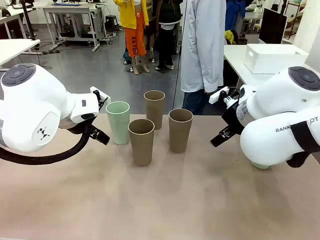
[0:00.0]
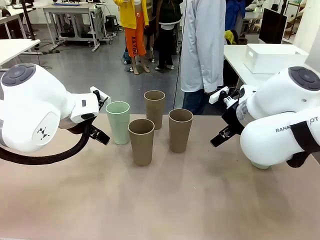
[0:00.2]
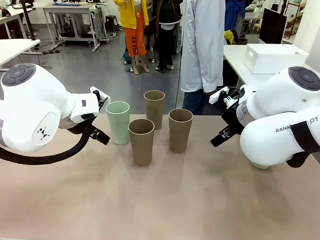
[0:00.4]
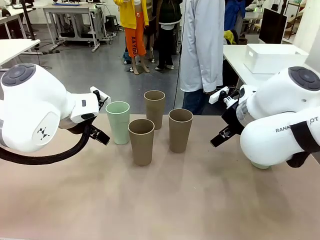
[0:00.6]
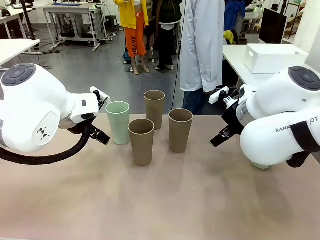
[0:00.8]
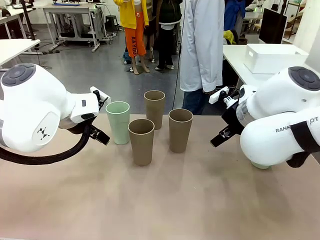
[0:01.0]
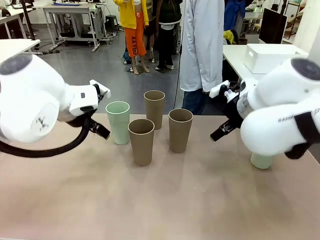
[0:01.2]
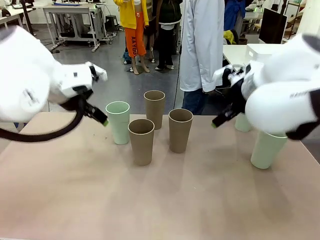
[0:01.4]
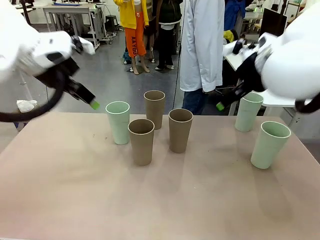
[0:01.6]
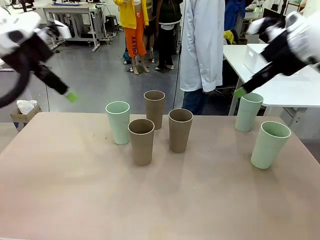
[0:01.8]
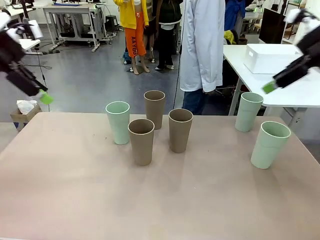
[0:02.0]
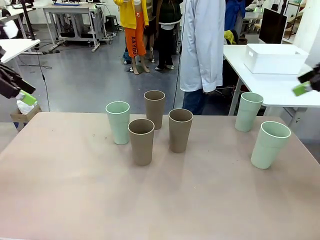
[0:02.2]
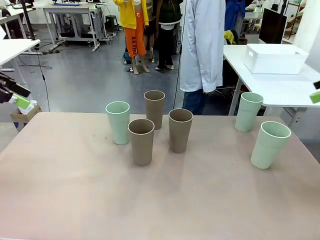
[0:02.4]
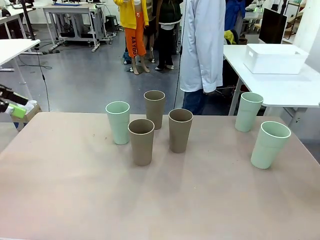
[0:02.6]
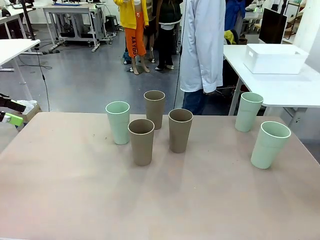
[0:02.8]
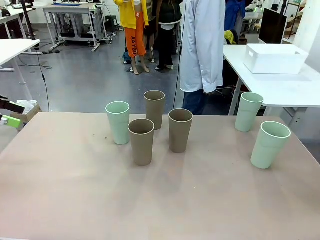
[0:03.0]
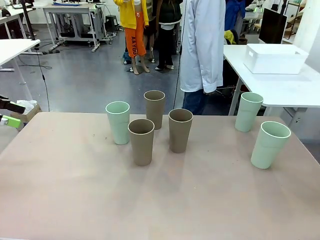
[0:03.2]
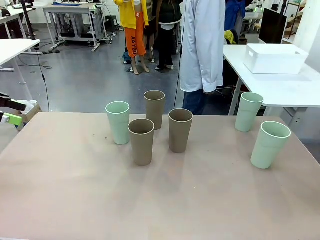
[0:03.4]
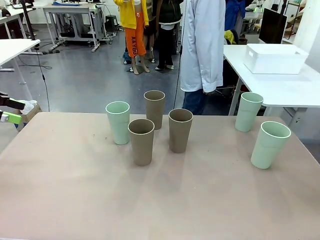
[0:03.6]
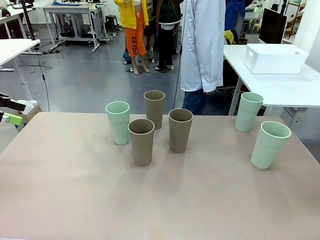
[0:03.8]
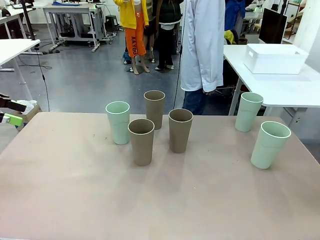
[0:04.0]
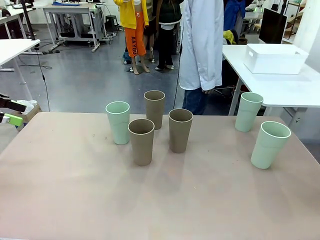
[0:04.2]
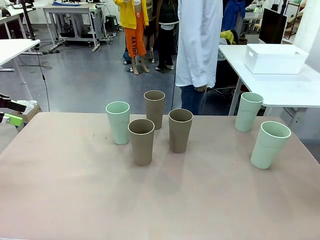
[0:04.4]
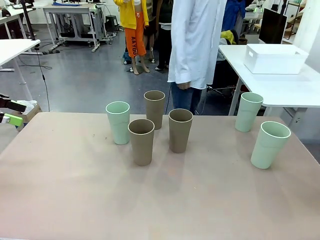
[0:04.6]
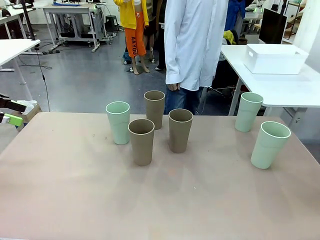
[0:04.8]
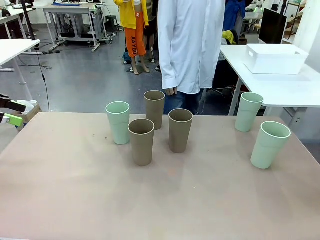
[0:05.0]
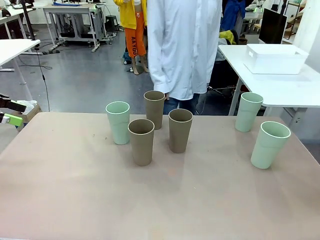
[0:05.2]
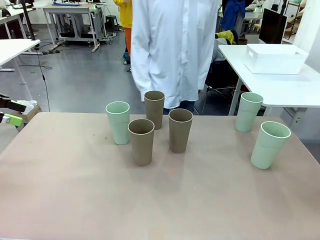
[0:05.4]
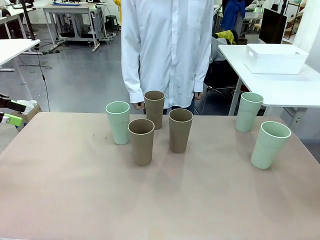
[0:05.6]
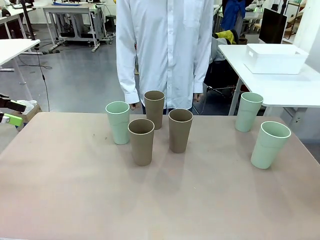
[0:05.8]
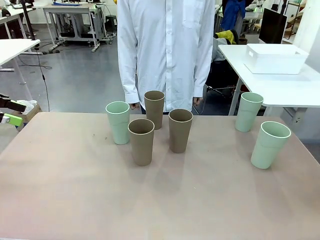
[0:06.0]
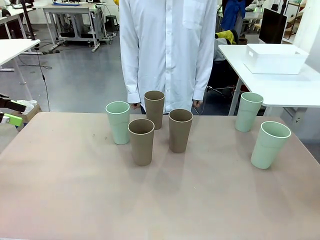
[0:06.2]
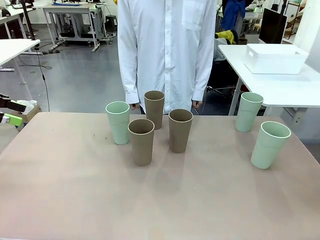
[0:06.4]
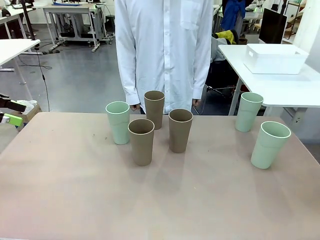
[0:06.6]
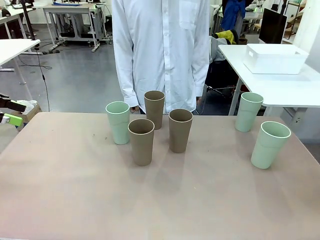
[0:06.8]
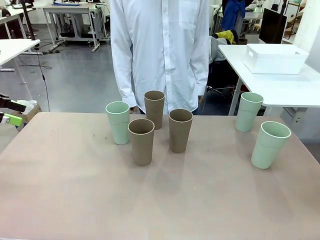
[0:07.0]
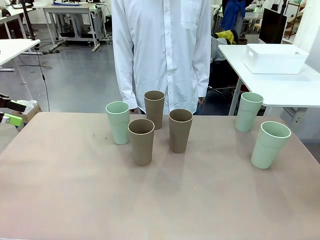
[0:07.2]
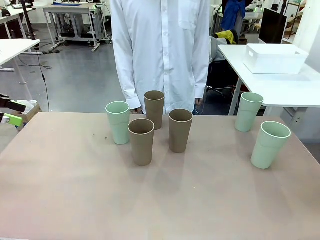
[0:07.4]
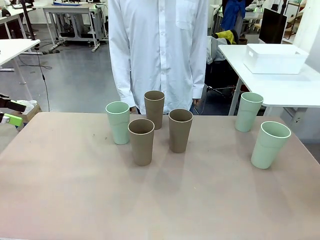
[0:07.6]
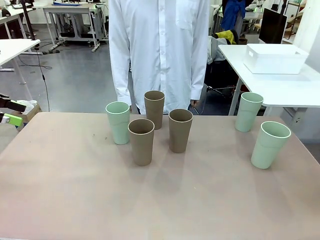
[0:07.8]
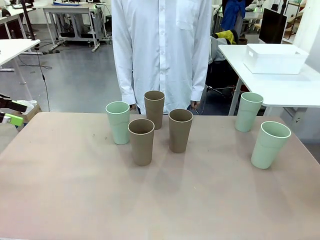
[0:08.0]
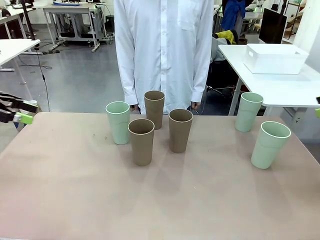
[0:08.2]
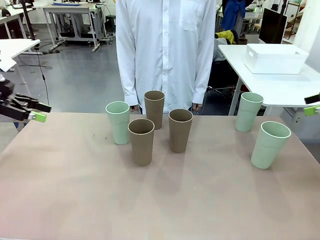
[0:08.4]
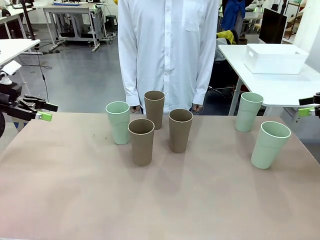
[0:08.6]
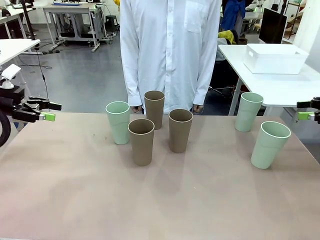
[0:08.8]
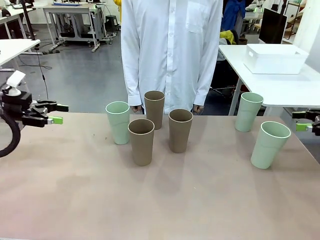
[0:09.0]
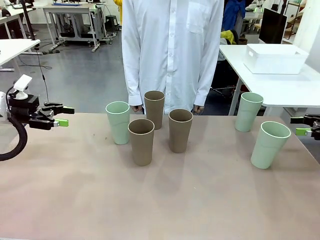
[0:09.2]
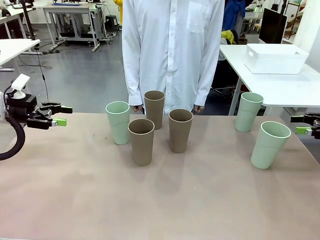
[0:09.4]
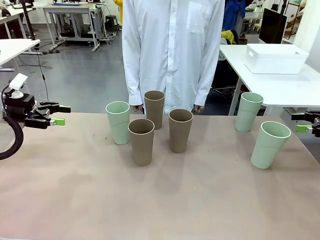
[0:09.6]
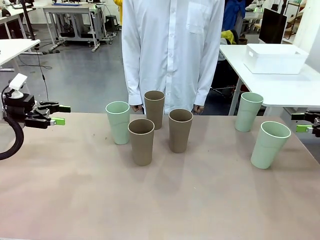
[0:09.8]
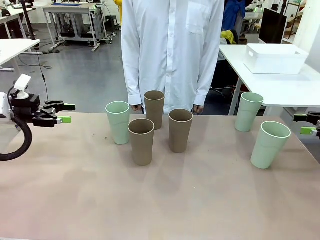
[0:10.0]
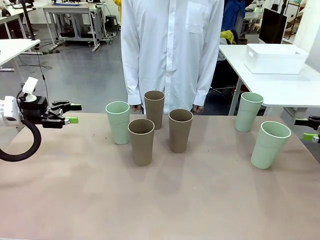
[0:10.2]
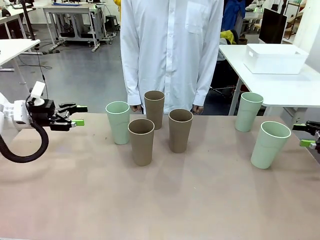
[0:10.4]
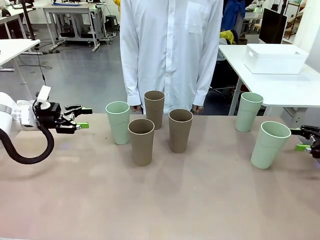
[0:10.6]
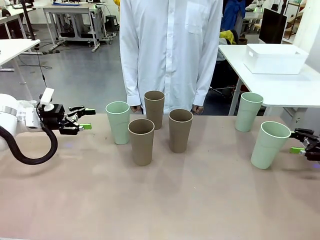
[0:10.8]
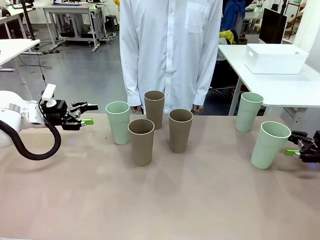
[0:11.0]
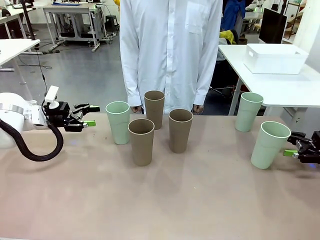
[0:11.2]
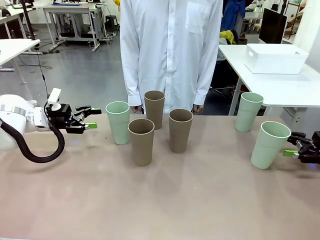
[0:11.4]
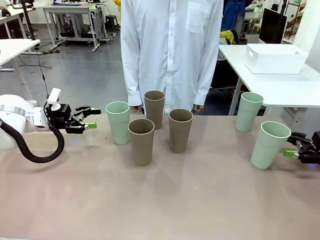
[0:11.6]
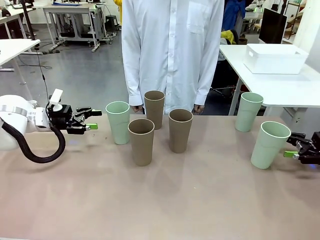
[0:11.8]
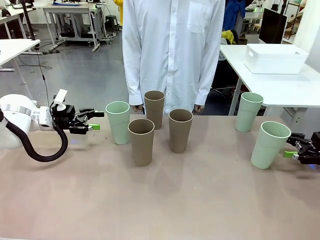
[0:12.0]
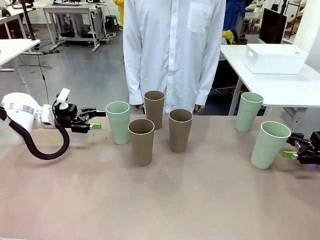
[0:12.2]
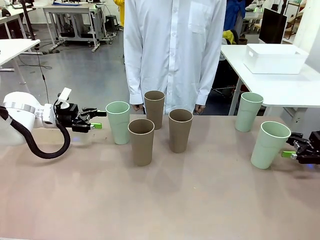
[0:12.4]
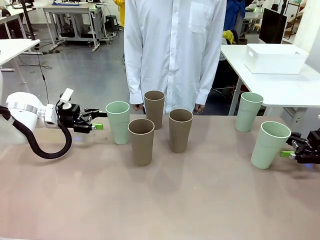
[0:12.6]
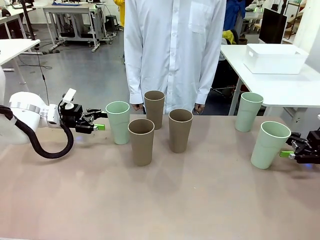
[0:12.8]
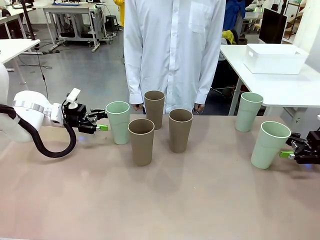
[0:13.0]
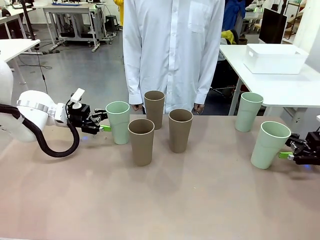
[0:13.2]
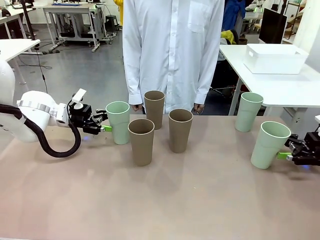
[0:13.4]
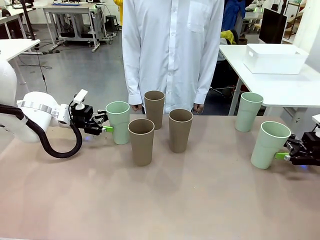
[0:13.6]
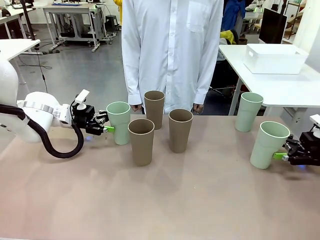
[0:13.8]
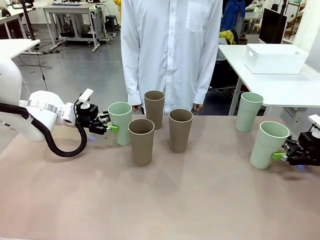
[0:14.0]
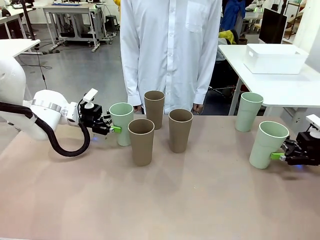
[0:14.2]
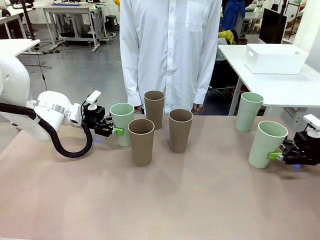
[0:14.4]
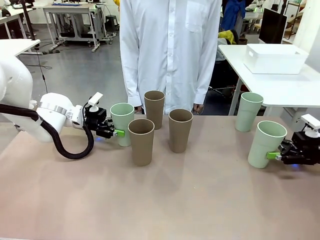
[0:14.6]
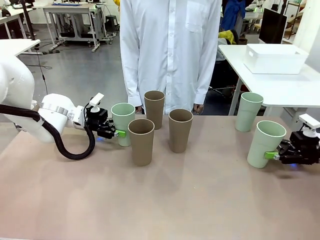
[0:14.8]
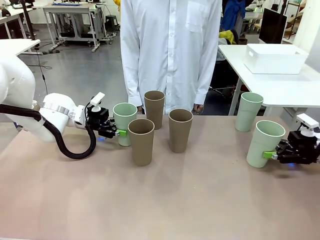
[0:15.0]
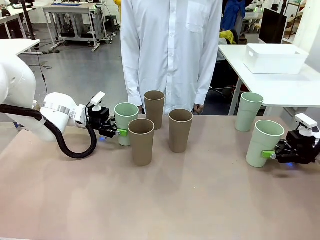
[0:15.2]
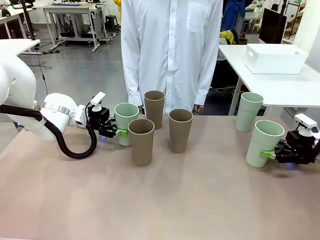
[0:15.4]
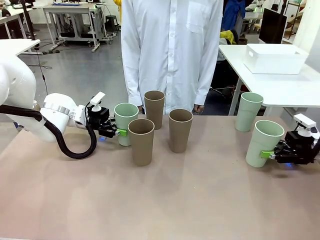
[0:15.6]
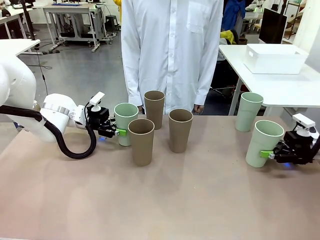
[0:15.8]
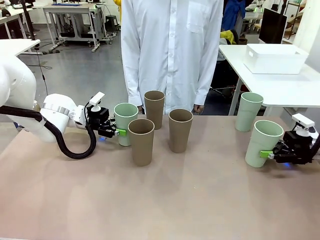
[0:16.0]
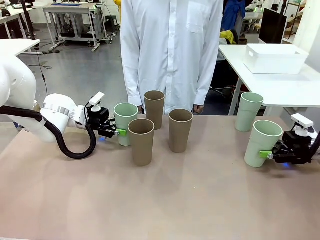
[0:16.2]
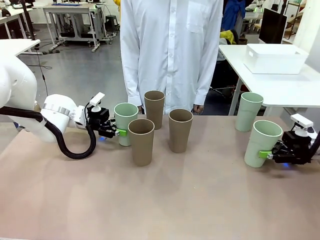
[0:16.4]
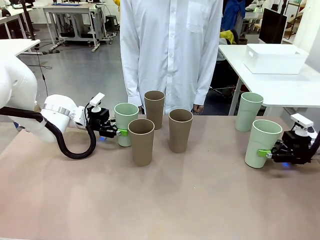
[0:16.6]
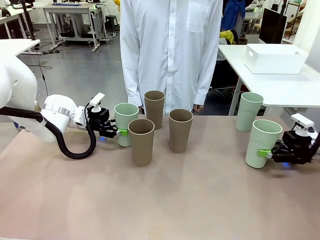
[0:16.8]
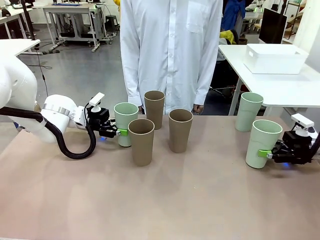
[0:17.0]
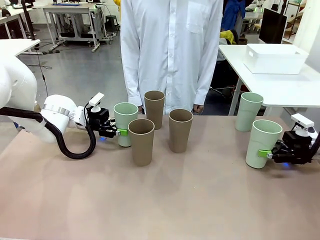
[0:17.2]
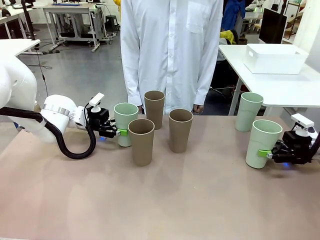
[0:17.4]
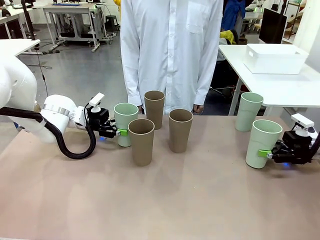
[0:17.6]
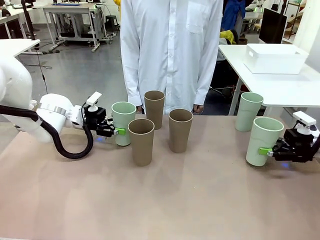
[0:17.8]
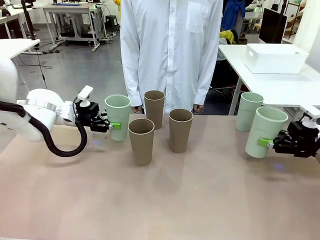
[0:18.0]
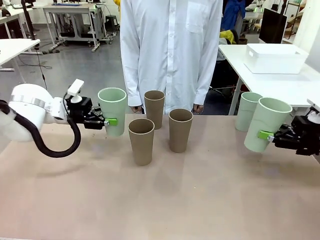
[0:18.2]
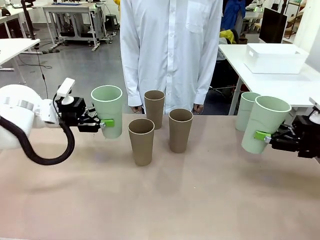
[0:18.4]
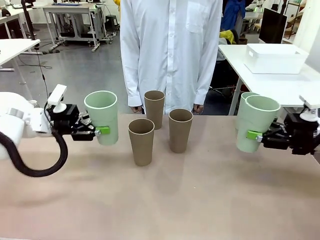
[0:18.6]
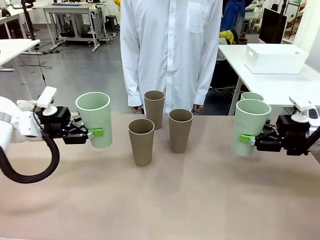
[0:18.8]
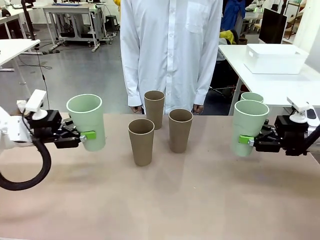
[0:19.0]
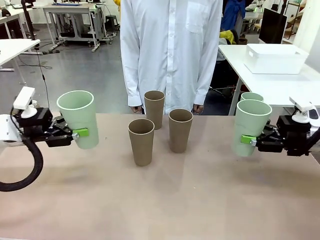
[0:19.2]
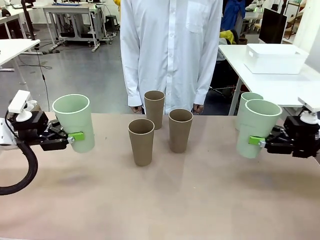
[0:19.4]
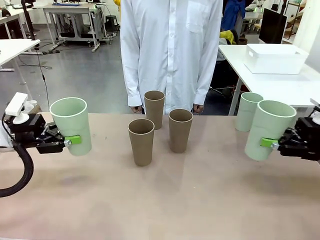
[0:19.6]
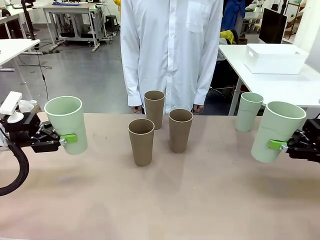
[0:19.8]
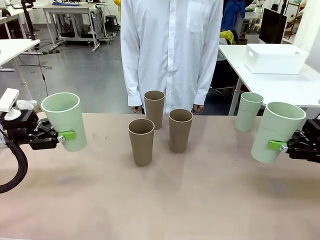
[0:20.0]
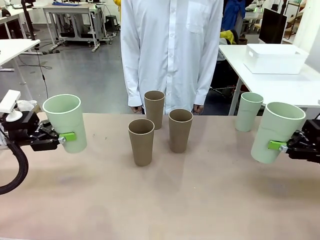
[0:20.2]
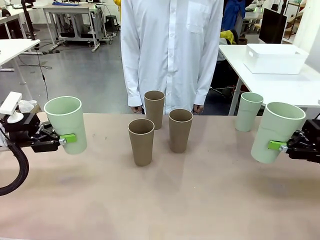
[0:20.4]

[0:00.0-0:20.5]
Task: Stack the cups and store them in the basket.
Robot: Pick up two Reusable plastic cups , one in each hand.
Person: Move from the Human Table to the front of the Robot Table. Stack two of the remaining cups on top of each cup held by the robot.
